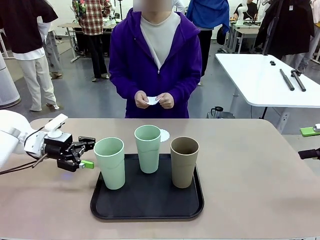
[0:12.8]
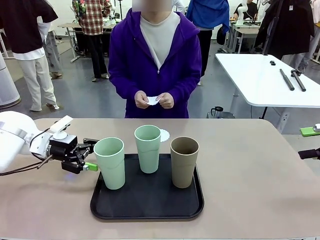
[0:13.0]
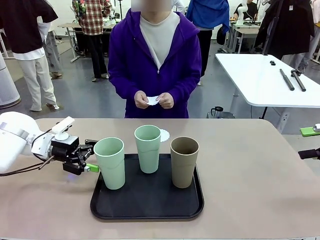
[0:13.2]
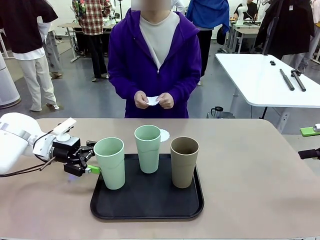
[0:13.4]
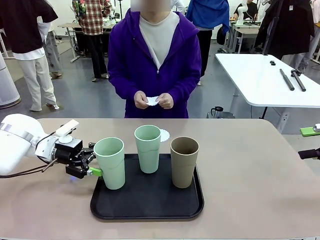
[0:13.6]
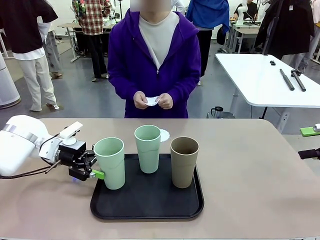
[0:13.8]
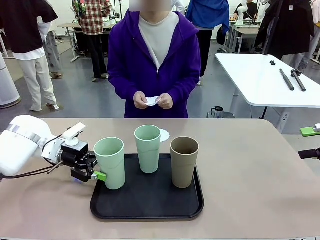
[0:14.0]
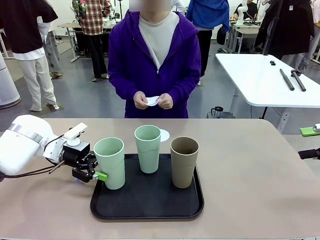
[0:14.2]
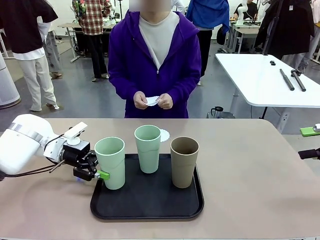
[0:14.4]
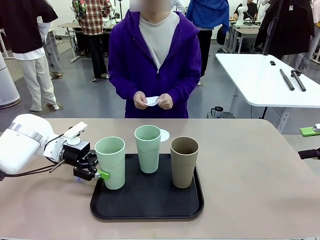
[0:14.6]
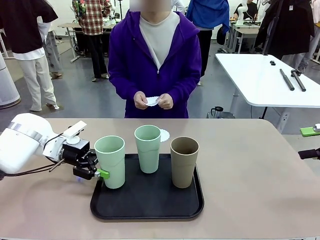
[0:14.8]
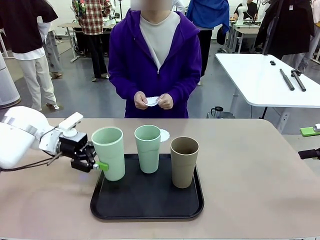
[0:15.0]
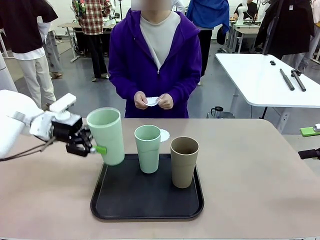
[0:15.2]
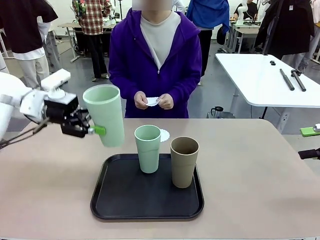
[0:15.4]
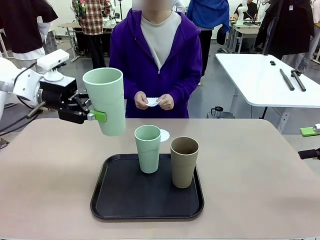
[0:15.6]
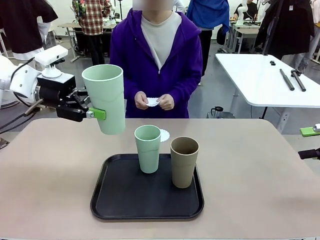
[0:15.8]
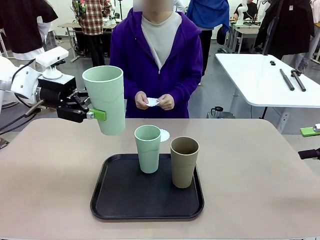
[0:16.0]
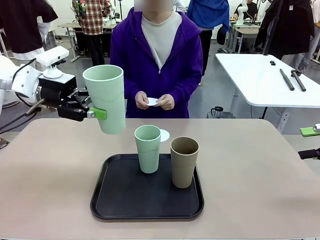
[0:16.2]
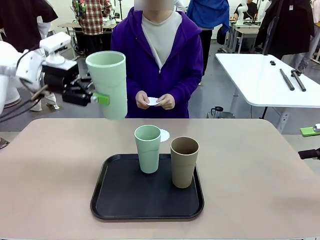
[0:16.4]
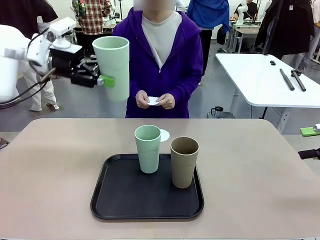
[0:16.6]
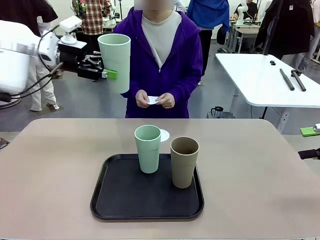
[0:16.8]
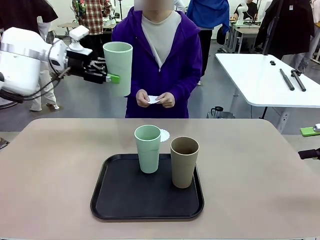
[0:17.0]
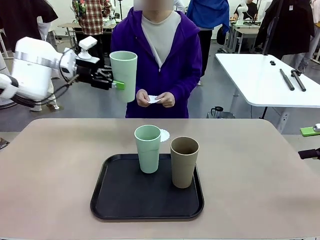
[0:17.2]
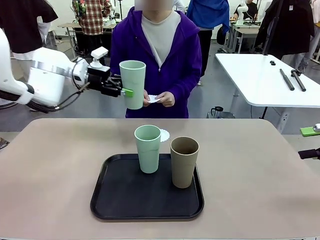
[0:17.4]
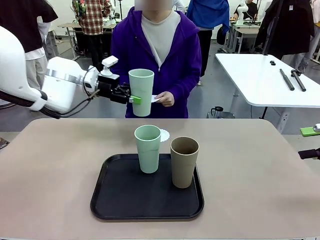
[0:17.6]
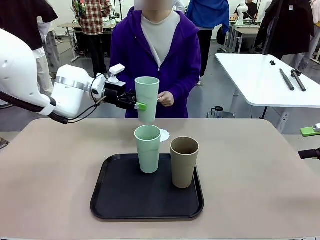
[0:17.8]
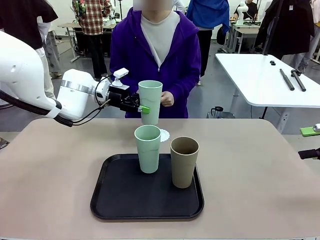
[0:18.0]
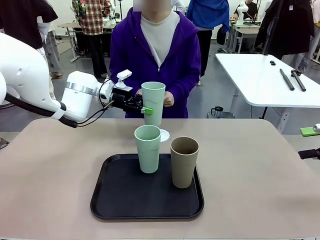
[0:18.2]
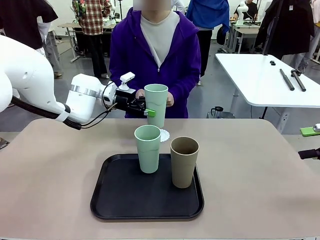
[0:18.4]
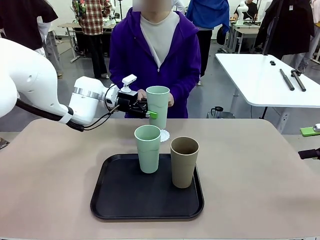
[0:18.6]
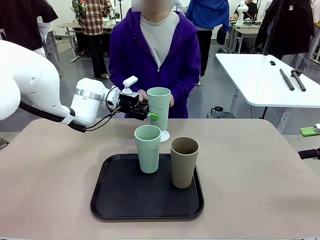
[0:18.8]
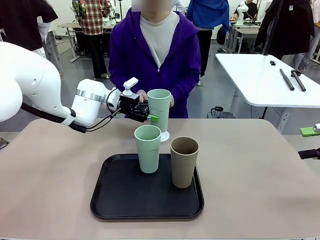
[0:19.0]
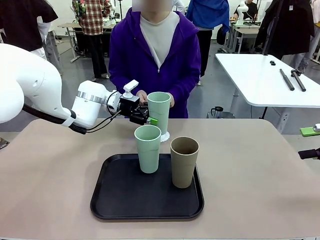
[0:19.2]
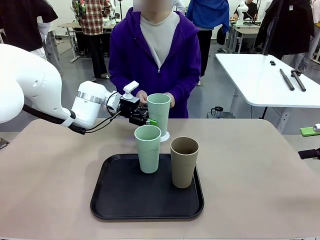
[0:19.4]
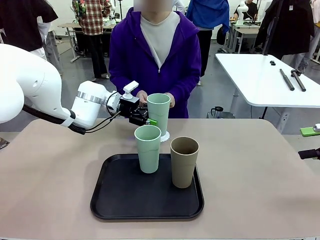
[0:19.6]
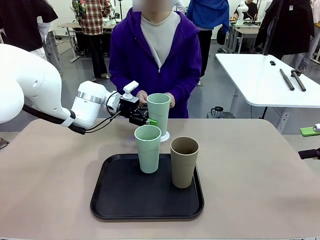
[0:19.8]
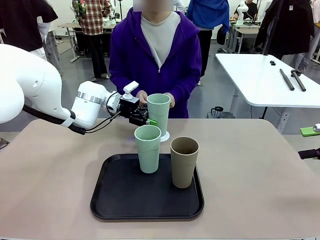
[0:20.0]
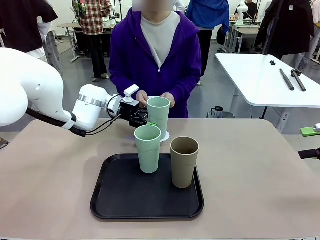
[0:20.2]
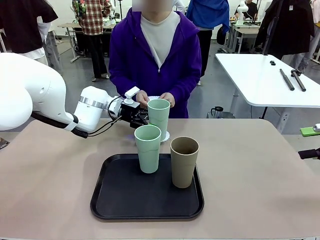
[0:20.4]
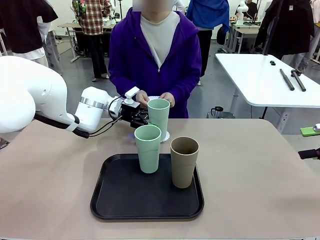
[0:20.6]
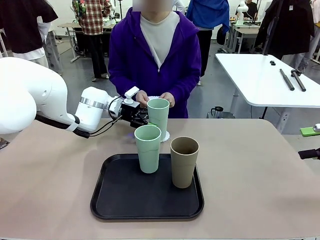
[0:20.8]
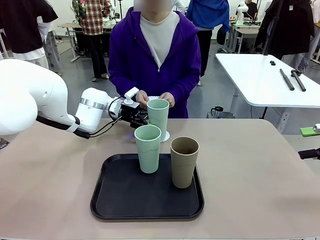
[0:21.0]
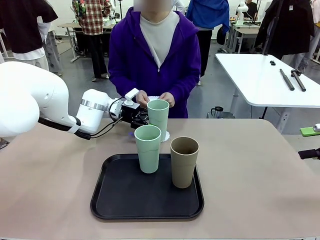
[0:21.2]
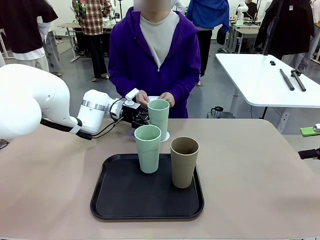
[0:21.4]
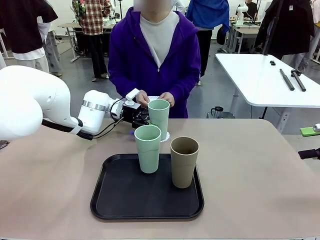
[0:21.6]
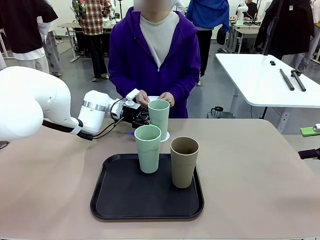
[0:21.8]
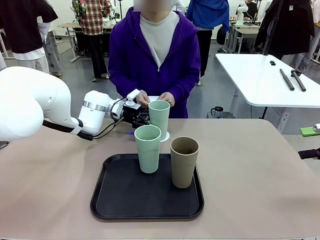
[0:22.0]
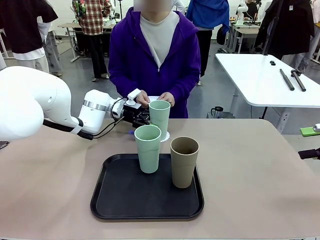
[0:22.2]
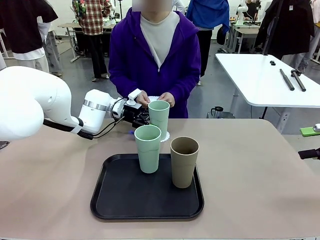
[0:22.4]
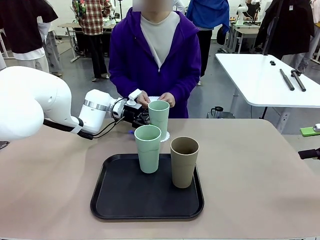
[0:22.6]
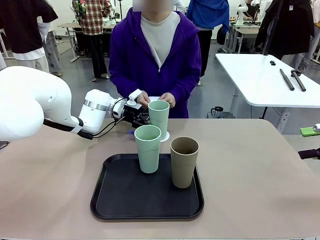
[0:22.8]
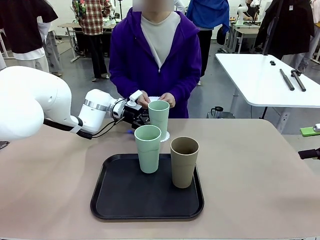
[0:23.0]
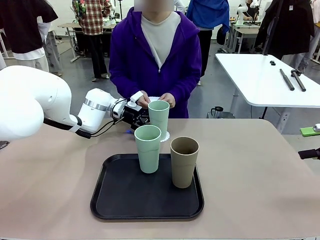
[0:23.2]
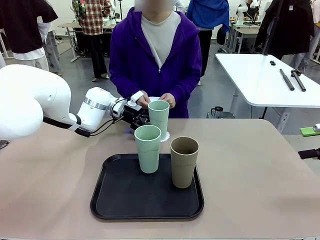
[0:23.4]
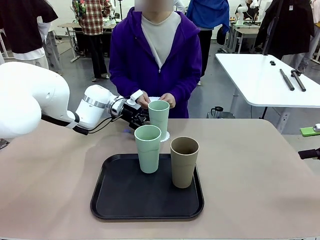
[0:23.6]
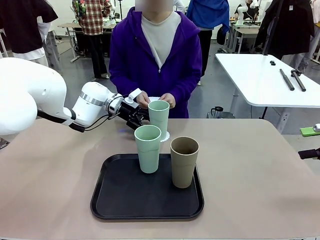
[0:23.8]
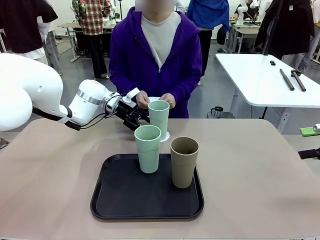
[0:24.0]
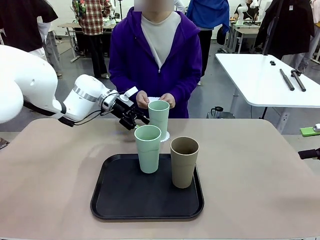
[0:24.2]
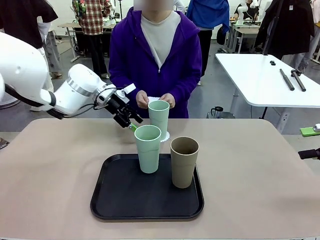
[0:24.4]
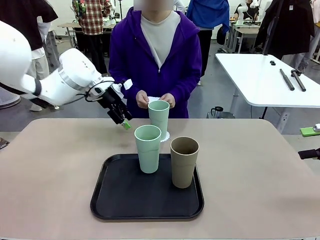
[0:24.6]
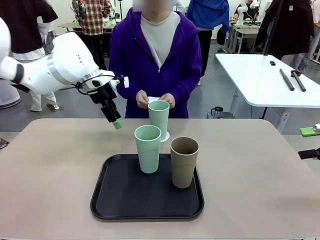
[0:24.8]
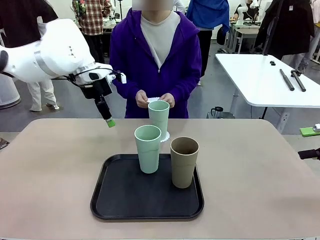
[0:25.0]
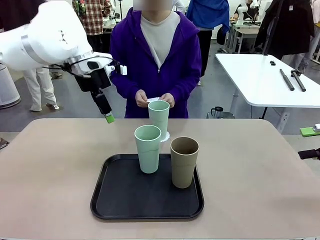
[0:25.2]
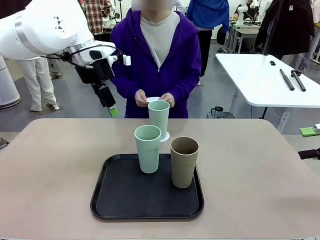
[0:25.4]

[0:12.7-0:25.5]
Task: Place coasters on the table and set cups on them.
Robot: Pick up one Reusable plastic cup and place it on a coaster set by the human.
Person: Place one coaster in one of the two areas excluding the previously selected area.
